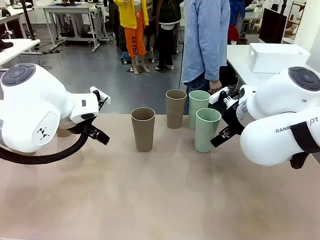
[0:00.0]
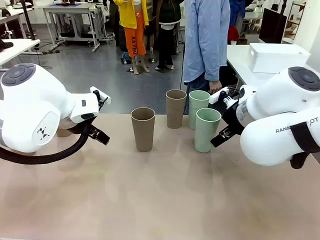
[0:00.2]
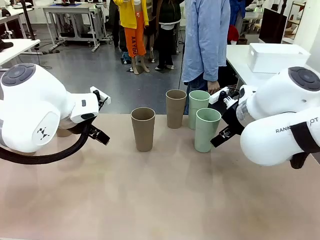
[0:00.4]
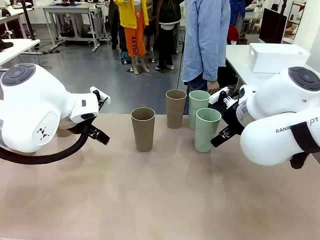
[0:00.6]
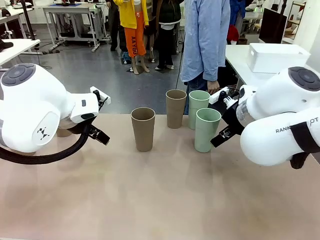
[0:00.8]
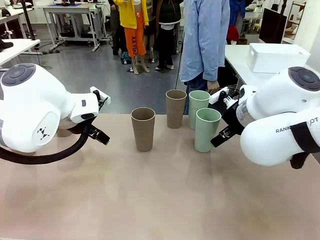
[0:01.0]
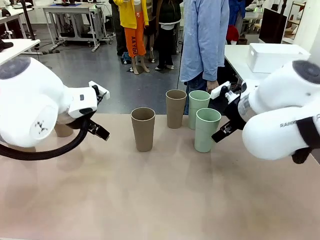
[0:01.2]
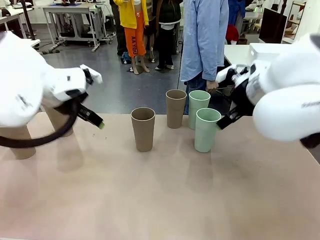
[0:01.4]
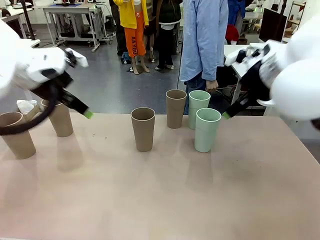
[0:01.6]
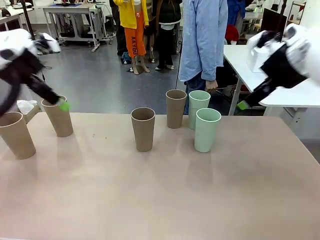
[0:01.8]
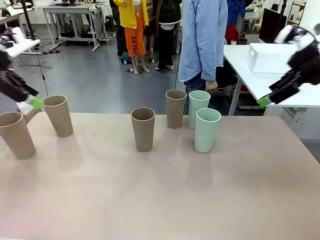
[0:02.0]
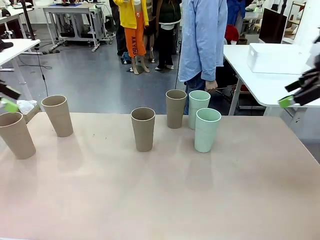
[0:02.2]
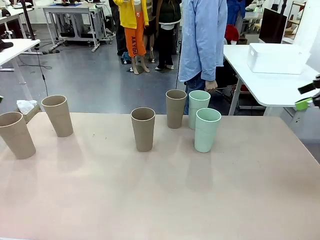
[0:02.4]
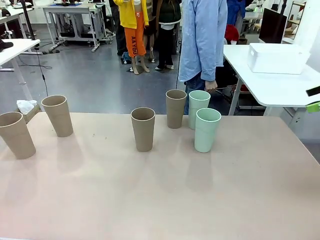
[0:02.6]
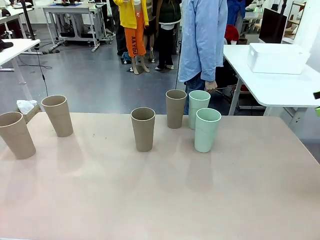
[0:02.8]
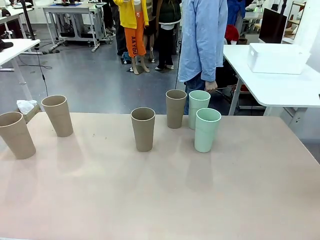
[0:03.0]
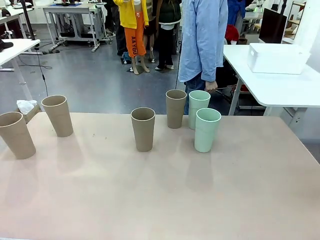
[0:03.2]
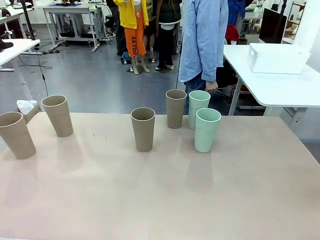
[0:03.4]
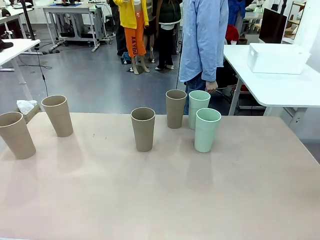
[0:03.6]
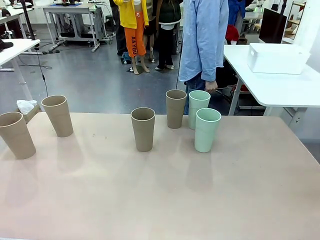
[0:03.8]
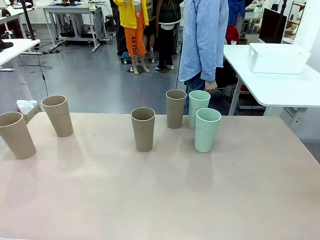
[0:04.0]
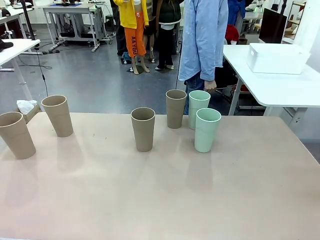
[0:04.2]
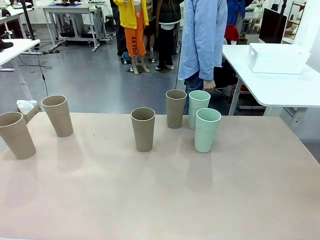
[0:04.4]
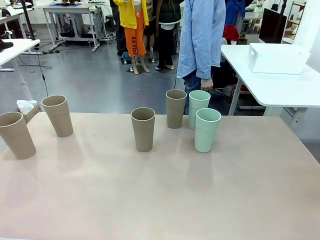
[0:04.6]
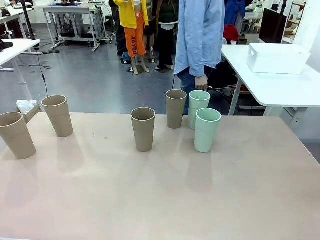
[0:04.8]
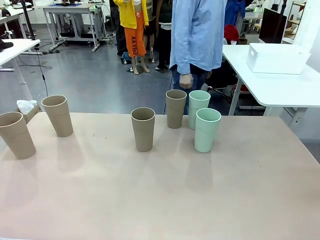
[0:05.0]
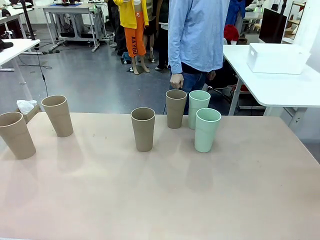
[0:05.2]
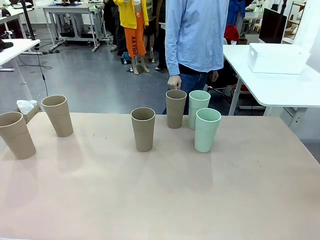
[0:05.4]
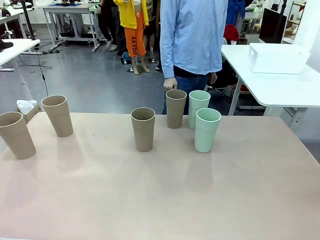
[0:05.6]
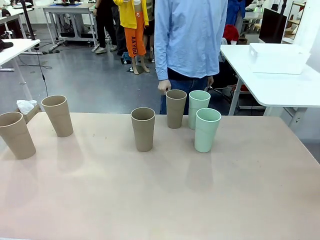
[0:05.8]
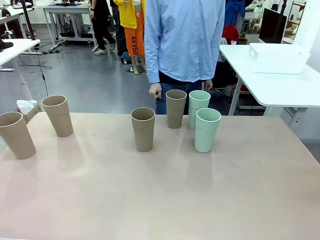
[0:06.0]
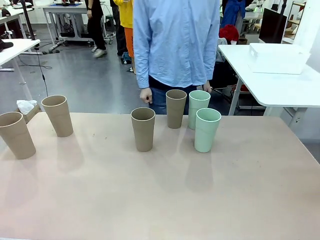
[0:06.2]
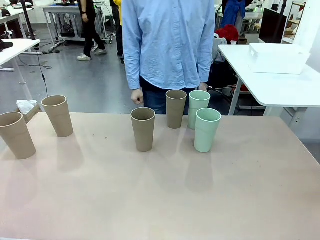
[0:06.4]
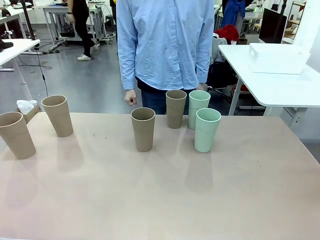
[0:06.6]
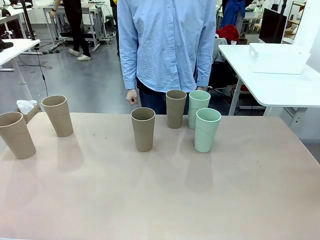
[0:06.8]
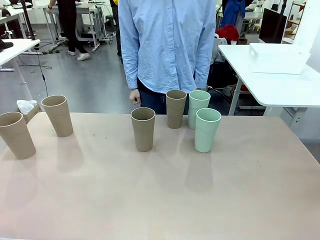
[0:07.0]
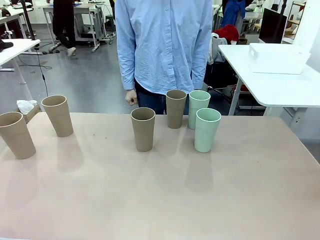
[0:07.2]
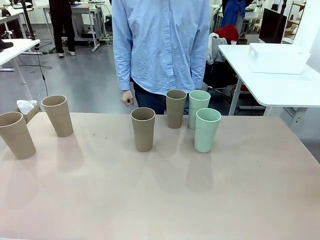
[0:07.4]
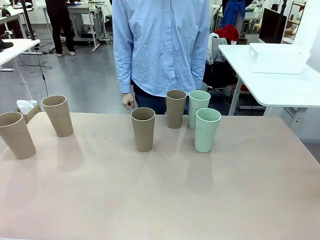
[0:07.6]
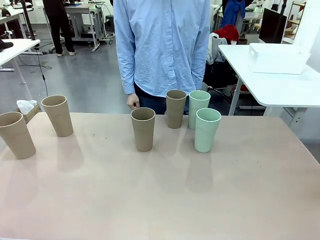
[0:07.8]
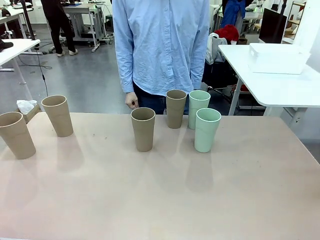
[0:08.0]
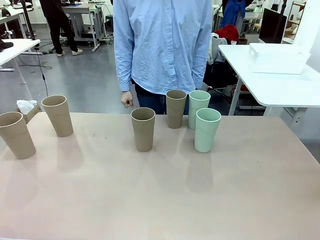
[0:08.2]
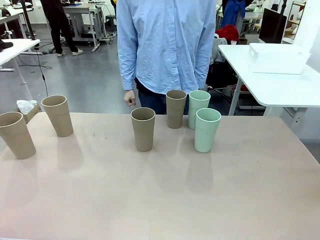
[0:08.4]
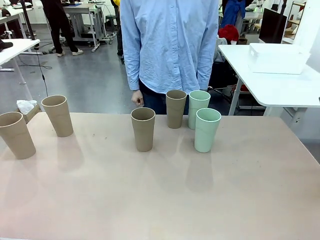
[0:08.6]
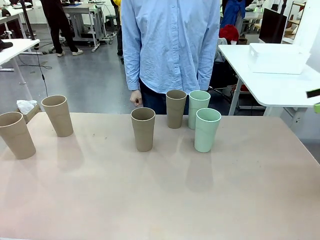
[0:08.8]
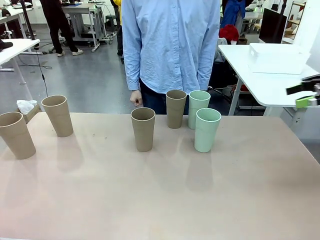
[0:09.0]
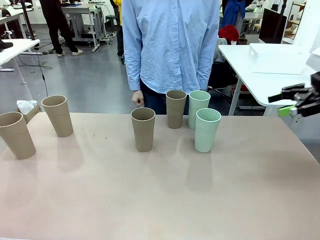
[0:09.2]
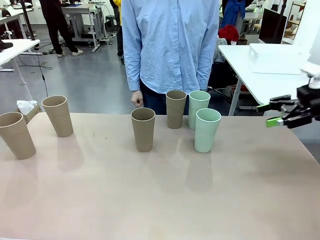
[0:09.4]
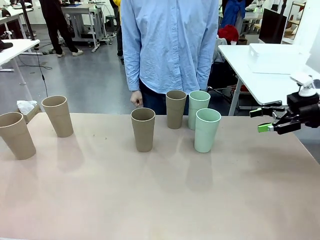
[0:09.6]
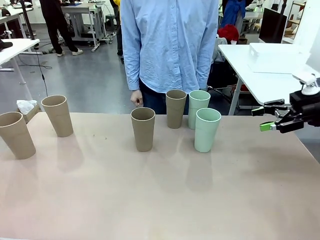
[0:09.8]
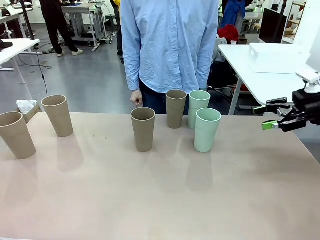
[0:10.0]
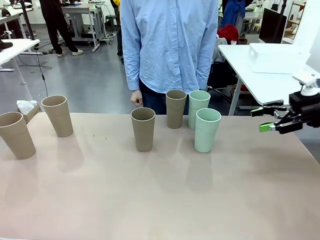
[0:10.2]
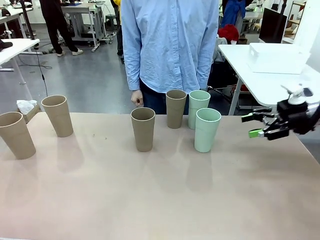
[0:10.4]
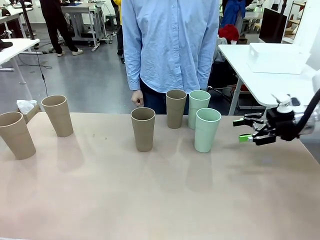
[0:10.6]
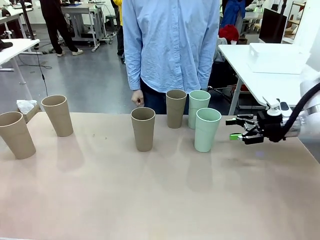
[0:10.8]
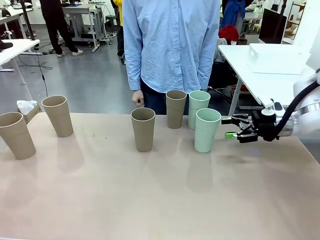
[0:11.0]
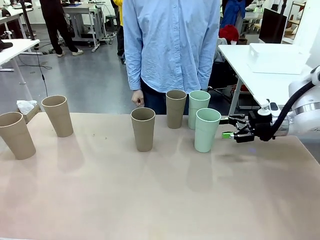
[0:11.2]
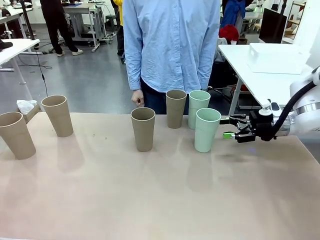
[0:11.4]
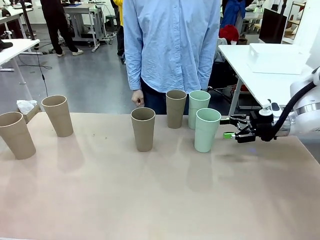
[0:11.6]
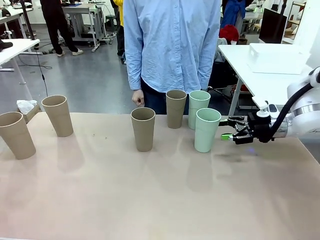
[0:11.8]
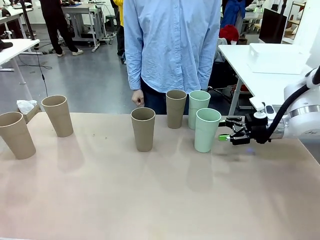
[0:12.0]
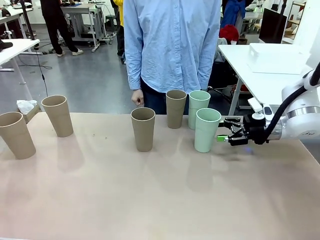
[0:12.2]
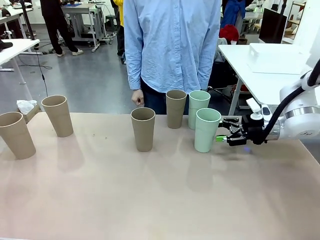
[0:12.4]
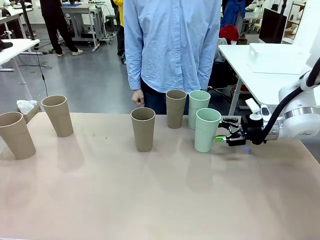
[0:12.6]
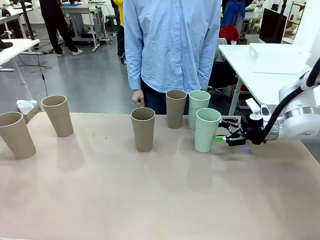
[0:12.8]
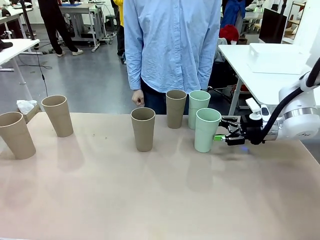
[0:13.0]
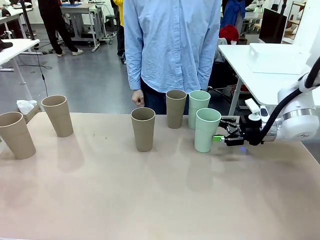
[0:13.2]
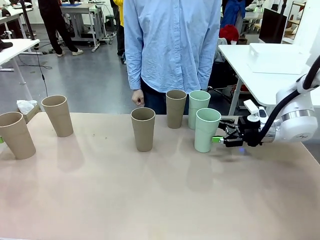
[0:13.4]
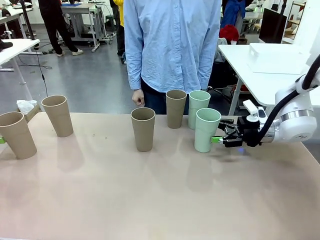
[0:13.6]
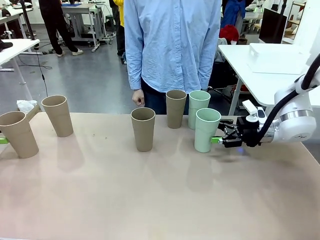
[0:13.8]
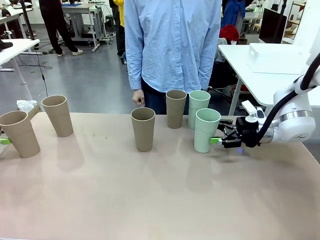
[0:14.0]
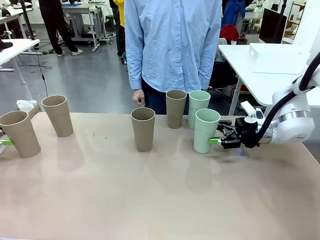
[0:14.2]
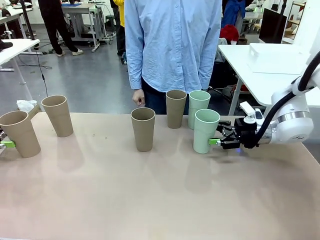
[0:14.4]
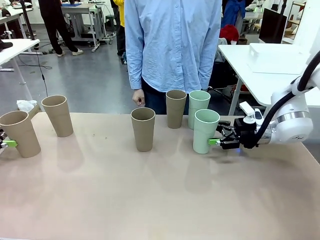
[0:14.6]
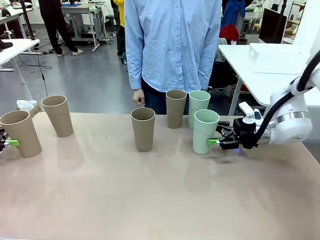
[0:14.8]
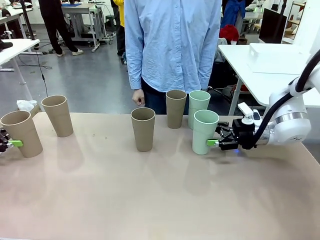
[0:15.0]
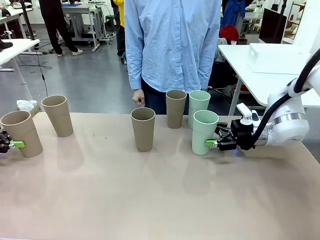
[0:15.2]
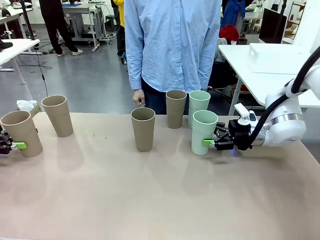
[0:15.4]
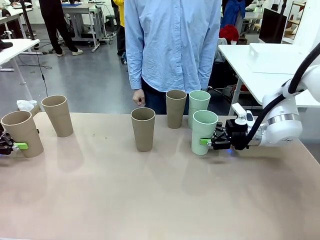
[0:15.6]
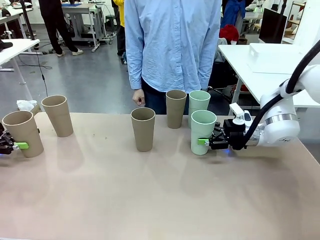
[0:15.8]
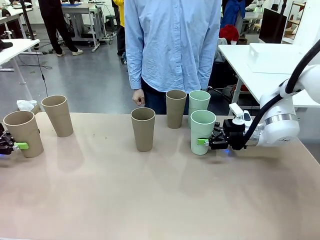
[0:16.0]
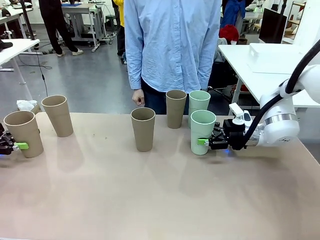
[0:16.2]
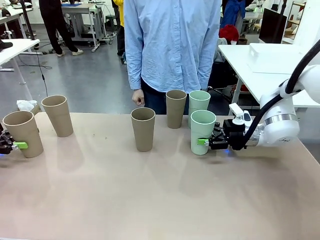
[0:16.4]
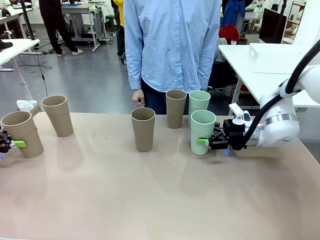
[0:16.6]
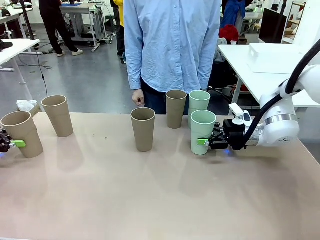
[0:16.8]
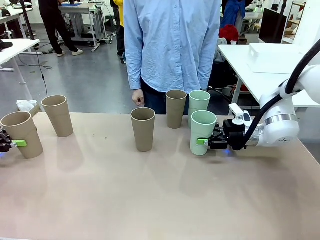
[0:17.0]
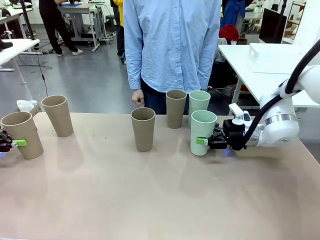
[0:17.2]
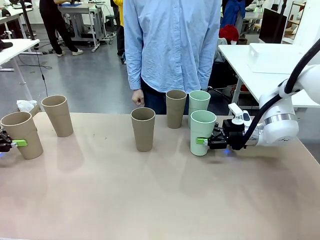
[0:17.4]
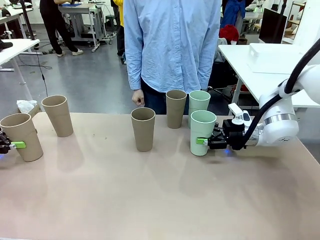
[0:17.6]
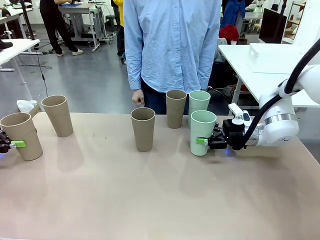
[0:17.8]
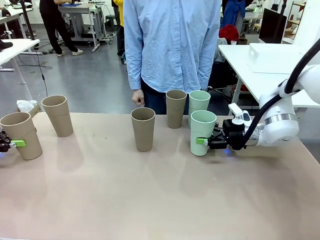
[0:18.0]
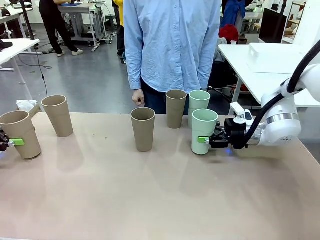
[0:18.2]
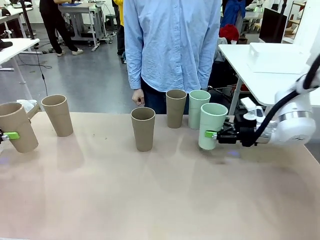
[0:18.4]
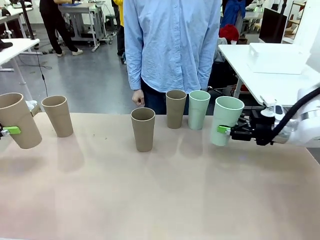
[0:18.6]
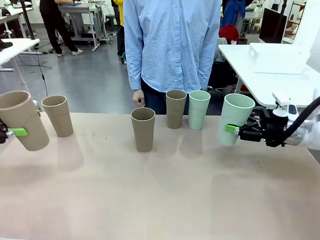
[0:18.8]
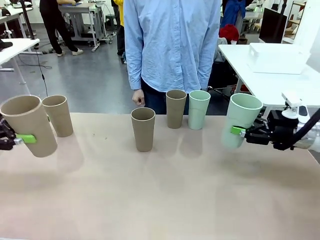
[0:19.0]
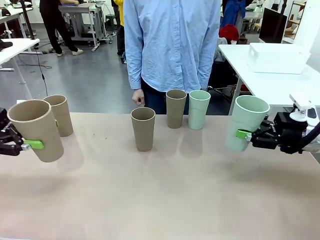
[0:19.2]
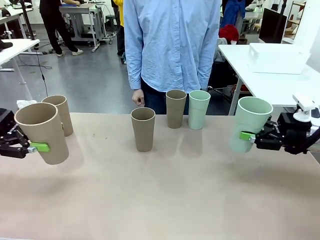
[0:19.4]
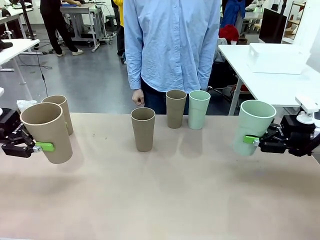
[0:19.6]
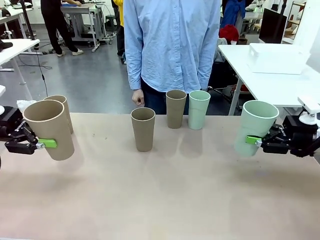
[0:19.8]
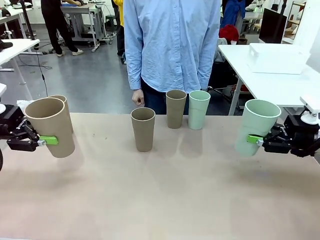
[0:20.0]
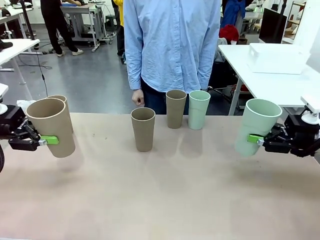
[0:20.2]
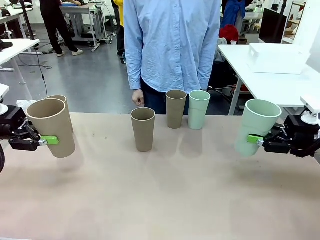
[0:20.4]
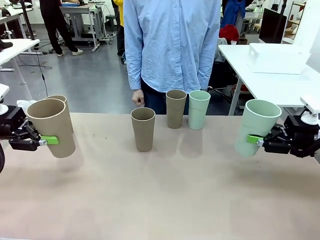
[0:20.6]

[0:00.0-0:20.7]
Task: Stack the cups and store them in the basket.
Robot: Pick up two Reusable plastic cups , one in each hand.
Person: Move from the Human Table to the front of the Robot Table. Stack two of the remaining cups on top of each cup held by the robot.
